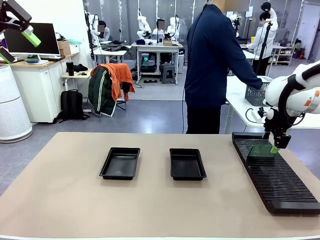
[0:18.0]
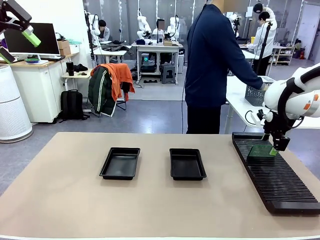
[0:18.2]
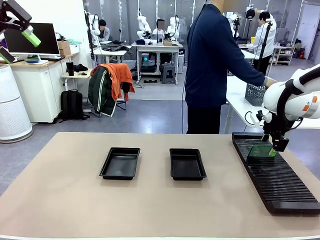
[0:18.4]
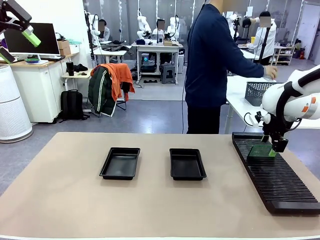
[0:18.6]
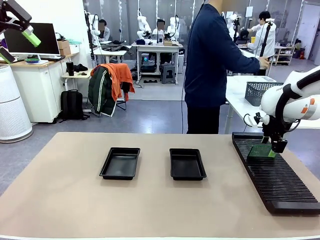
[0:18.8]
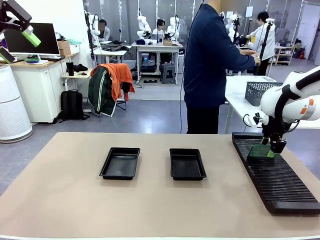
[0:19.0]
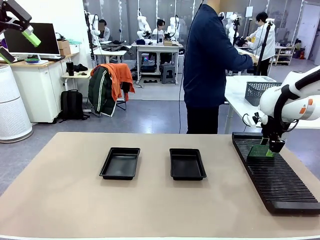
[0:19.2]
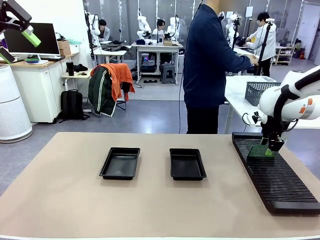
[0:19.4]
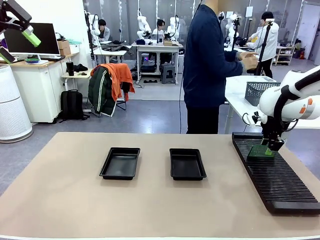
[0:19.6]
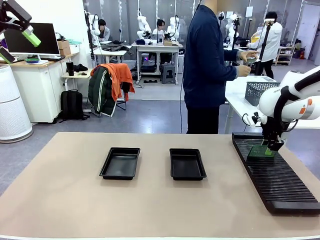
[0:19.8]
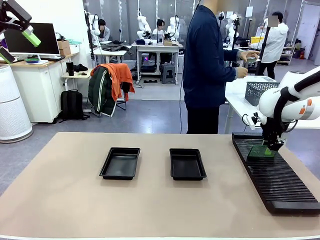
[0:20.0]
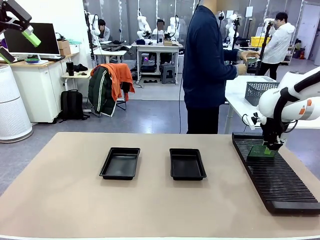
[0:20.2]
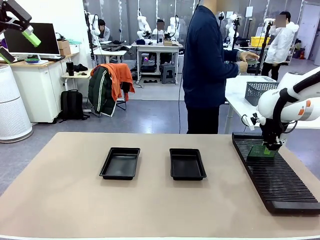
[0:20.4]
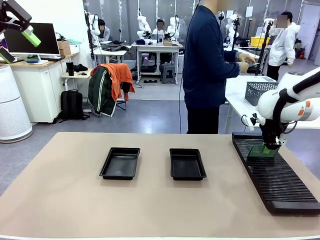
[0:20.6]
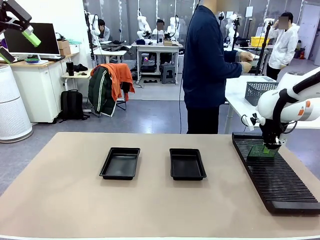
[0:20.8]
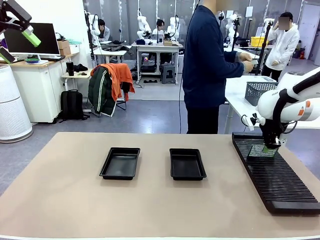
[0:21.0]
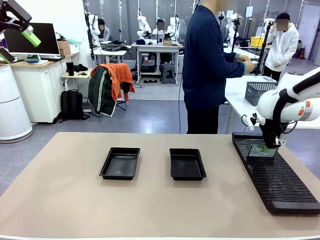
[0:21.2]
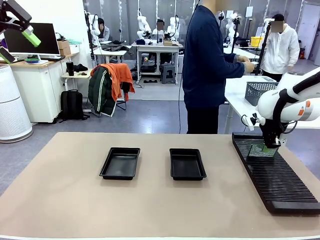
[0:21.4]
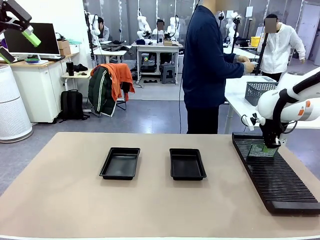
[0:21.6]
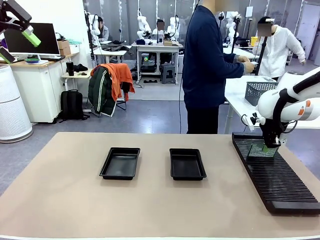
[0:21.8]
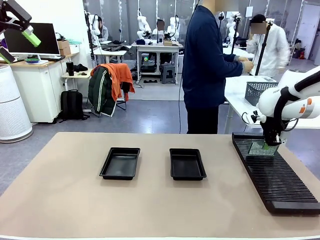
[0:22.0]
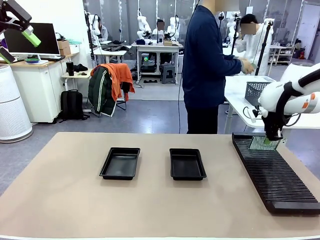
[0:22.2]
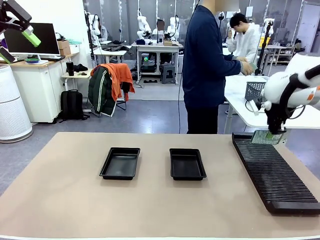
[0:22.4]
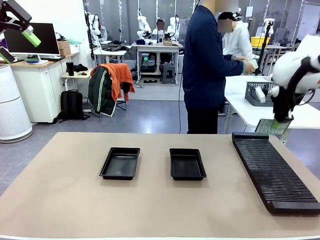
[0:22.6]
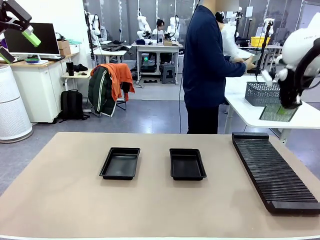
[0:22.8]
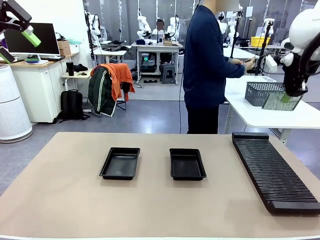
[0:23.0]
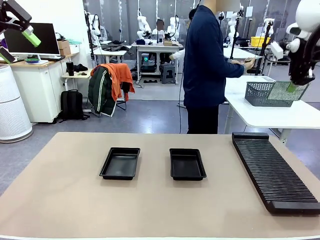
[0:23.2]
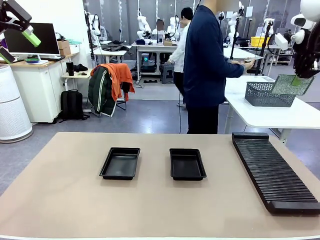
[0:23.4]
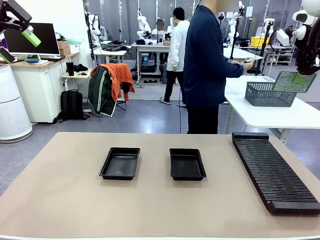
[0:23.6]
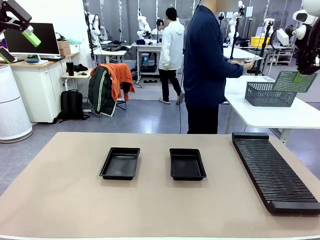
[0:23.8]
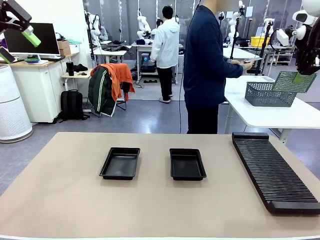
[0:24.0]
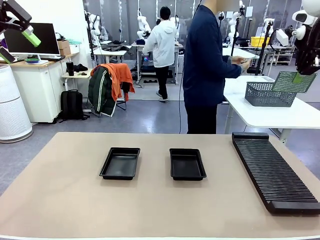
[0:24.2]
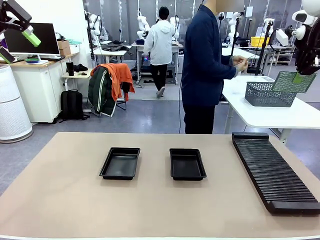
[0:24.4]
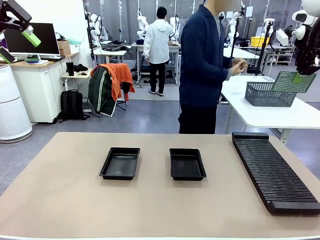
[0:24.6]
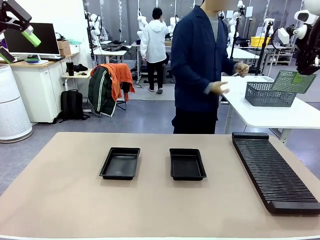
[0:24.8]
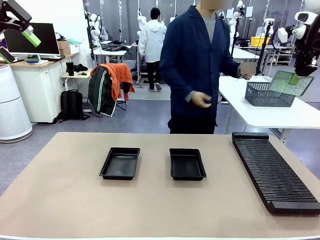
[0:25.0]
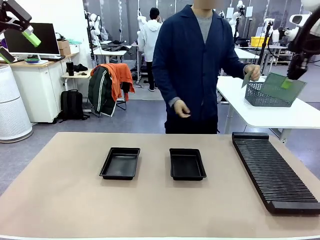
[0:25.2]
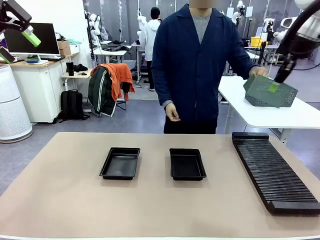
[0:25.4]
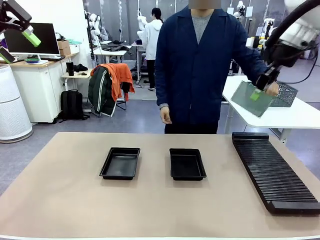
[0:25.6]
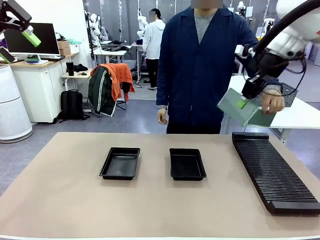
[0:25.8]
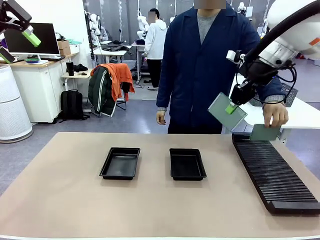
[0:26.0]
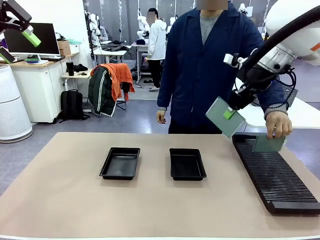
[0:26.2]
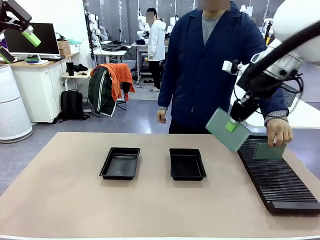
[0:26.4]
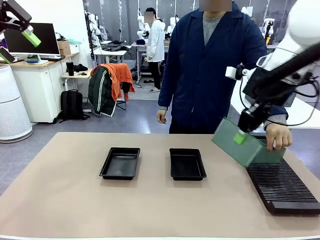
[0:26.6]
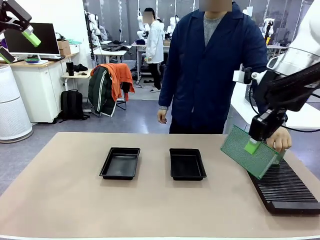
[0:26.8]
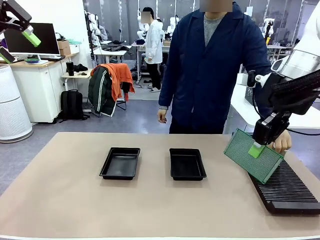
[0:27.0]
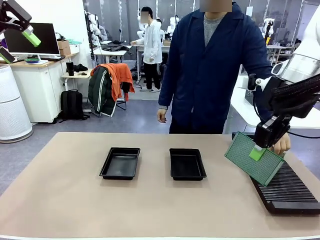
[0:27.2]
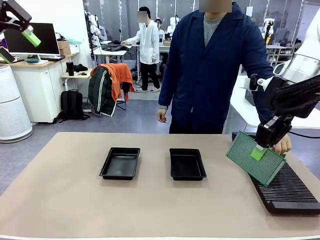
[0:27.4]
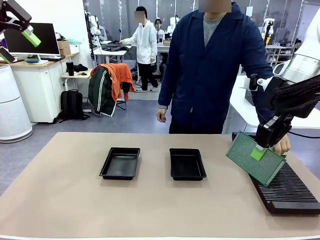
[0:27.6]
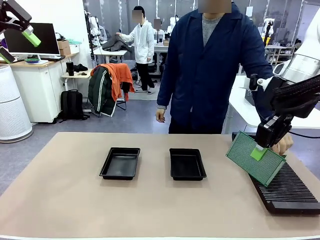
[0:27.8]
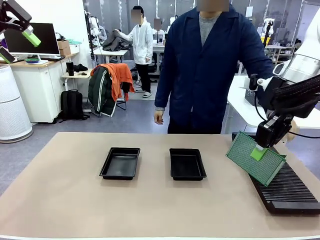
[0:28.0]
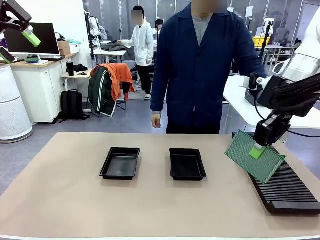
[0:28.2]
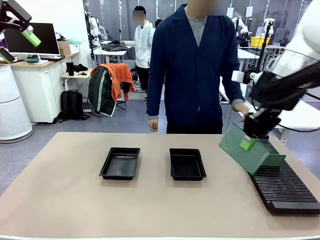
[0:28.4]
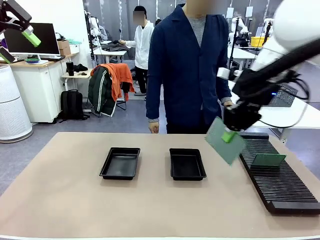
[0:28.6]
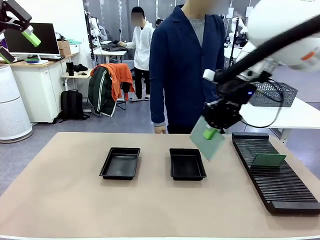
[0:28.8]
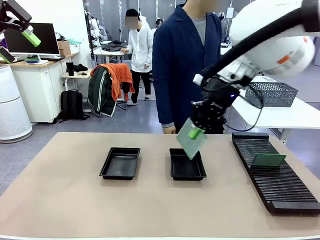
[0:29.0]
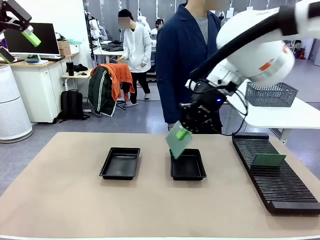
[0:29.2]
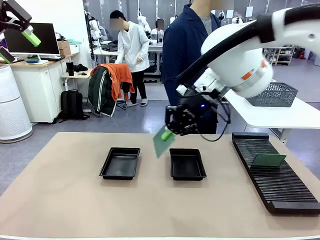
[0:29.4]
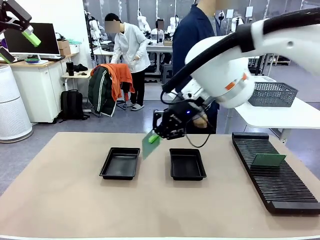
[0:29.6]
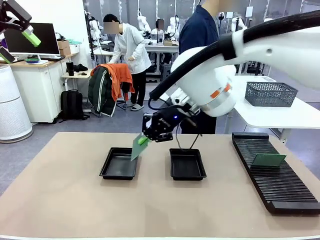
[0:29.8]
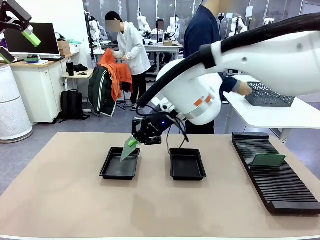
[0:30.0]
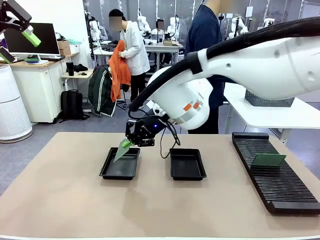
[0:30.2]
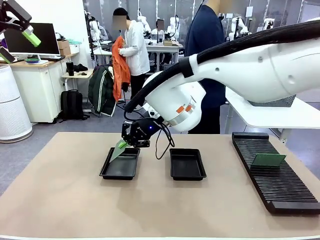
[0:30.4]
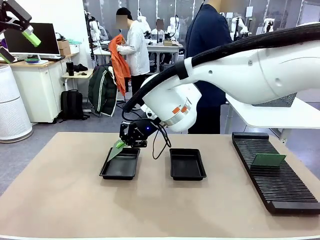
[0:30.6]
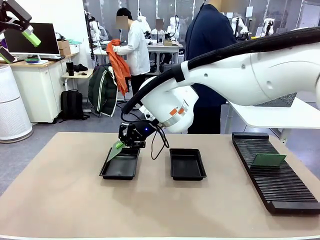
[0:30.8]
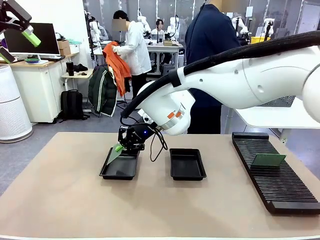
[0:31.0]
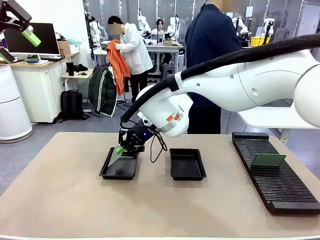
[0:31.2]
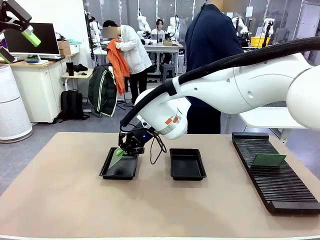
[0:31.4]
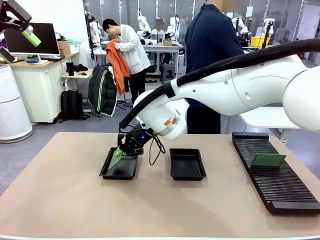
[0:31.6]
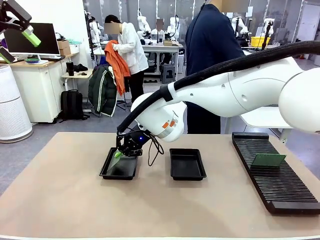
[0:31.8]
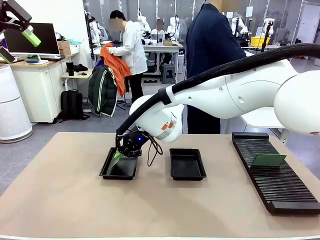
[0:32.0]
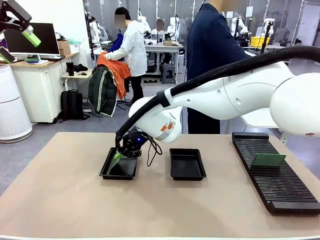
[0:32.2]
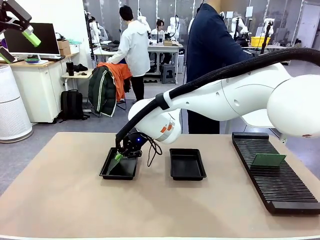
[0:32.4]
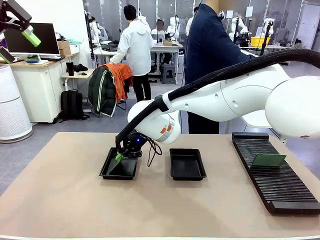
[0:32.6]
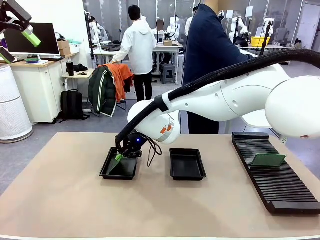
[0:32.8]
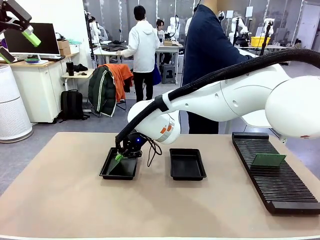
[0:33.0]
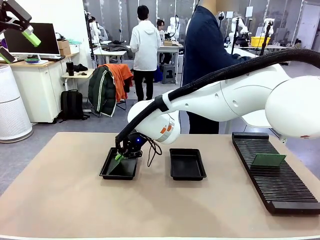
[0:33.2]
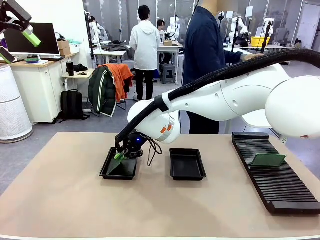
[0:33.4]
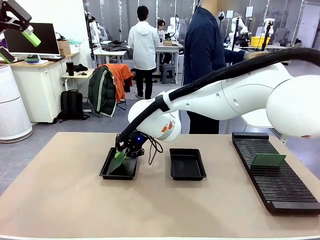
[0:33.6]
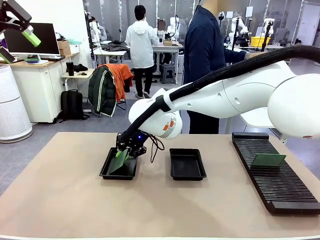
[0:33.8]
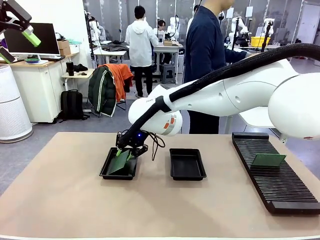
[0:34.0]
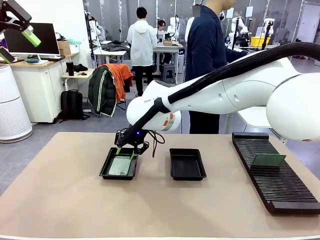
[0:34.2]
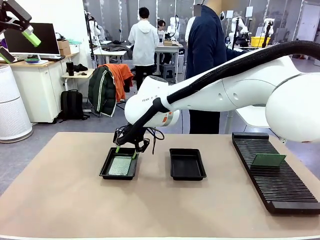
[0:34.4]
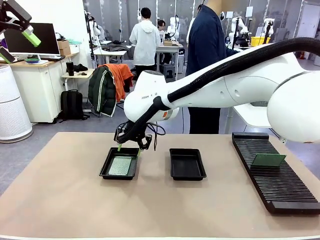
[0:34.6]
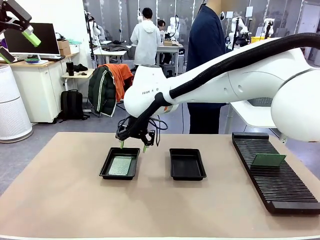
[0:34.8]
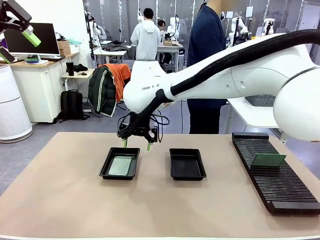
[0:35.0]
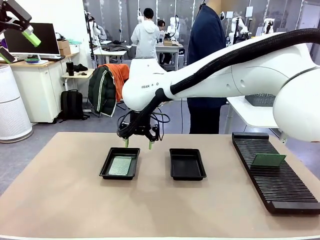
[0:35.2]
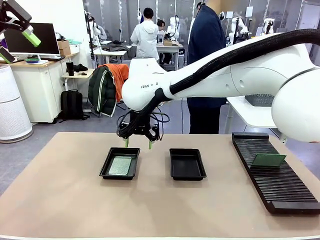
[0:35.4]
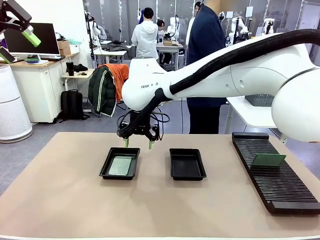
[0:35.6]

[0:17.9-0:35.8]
Task: Inspect and transfer BCBs to ESD trays.
Robot: Pick up the Blank PCB from the PCB Rack and place it in the left ESD tray.

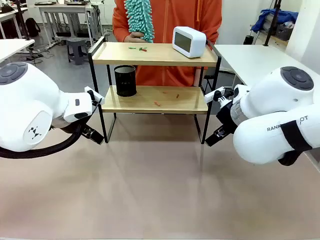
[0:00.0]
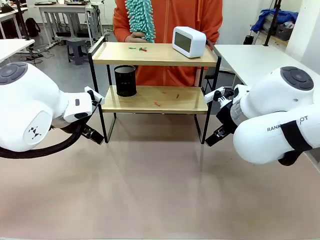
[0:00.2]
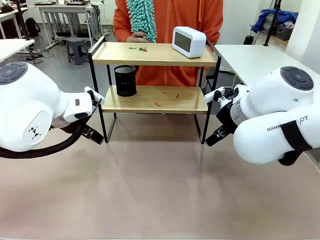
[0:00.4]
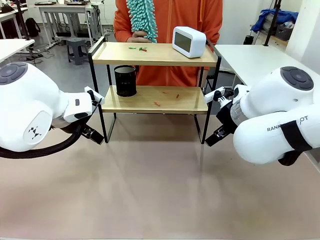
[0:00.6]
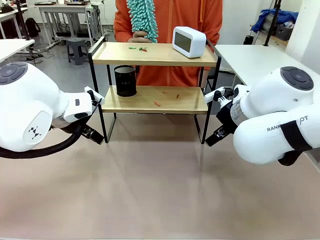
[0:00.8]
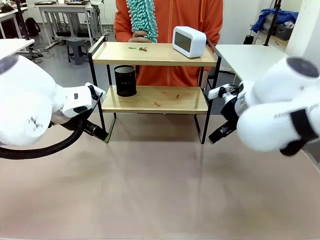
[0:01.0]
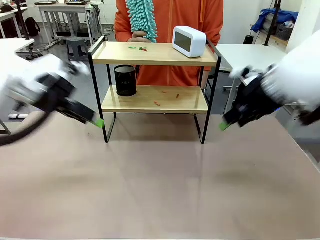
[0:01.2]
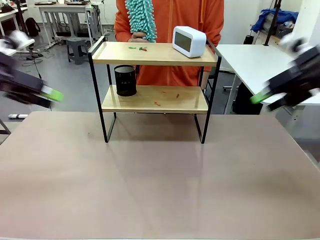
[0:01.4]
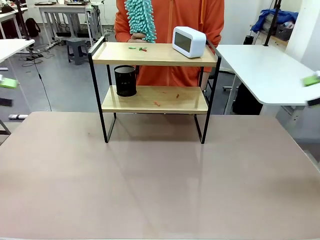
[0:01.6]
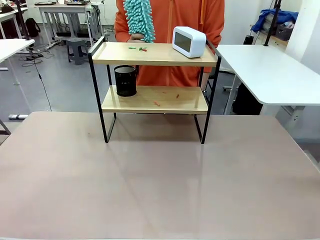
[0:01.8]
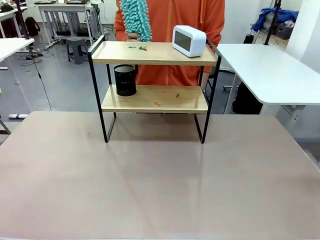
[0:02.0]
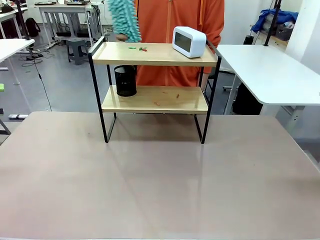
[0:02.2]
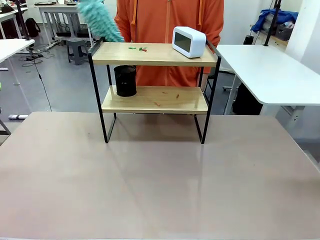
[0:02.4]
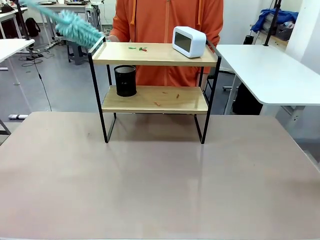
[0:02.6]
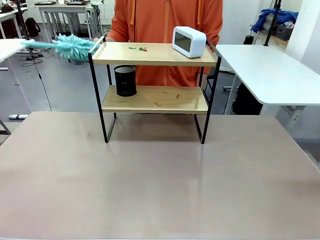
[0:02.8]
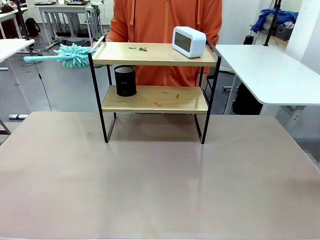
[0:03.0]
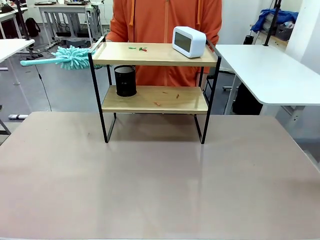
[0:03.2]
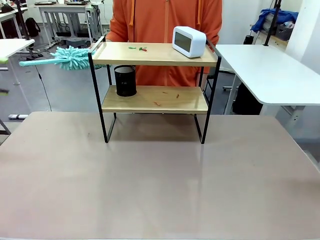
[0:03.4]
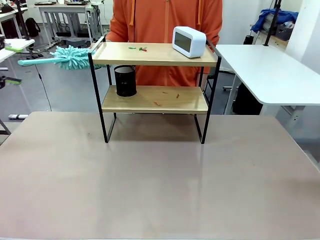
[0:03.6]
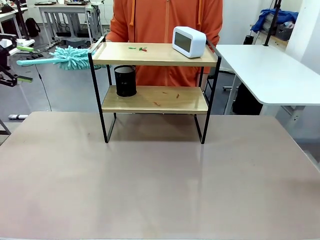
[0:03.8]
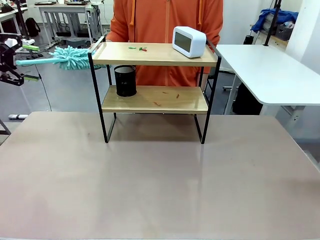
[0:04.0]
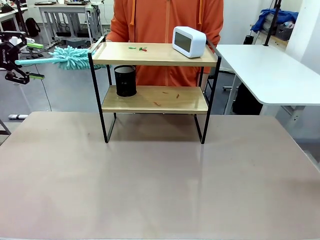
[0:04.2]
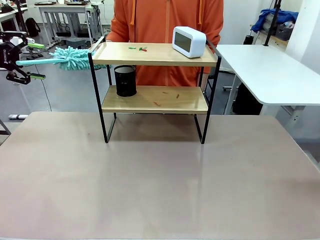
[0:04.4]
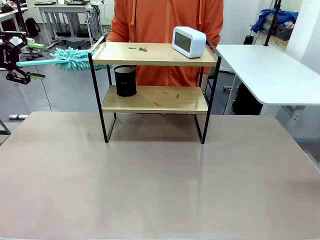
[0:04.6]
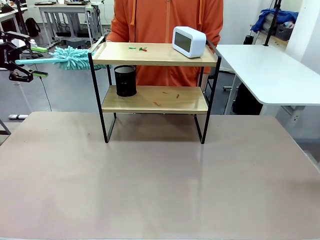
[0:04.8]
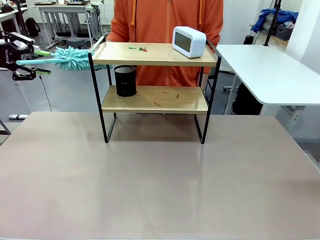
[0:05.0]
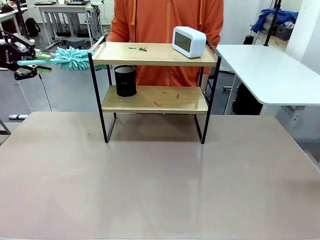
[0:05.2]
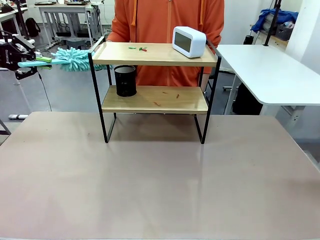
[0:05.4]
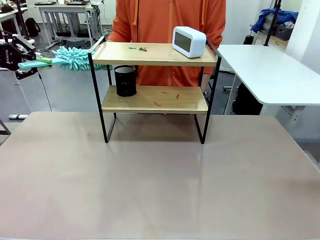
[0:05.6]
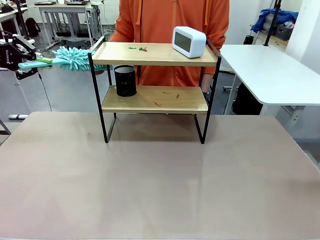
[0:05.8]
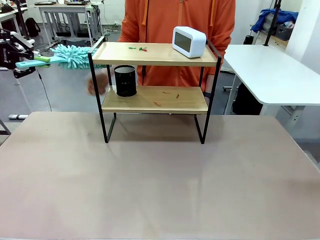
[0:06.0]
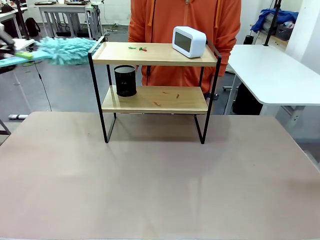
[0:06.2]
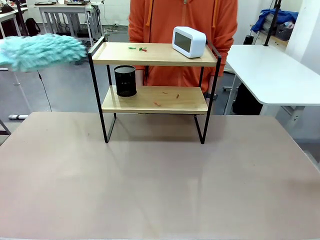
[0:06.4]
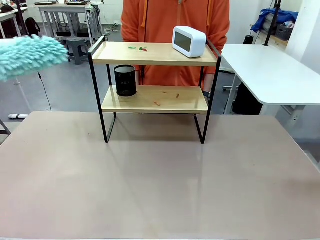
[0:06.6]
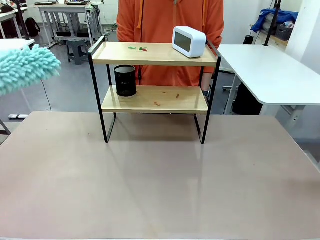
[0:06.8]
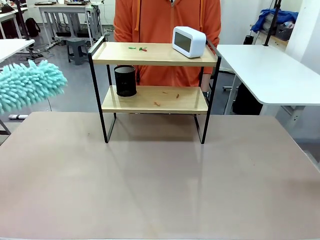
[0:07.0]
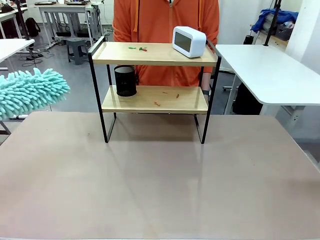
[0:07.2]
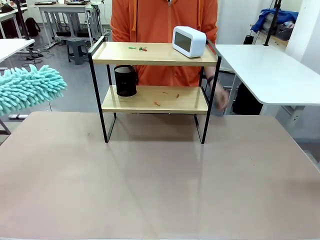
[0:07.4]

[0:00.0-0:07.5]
Task: Clean the shelf.
Robot: Pick up the Duster from the human.
Person: Hand the Duster to the robot.
